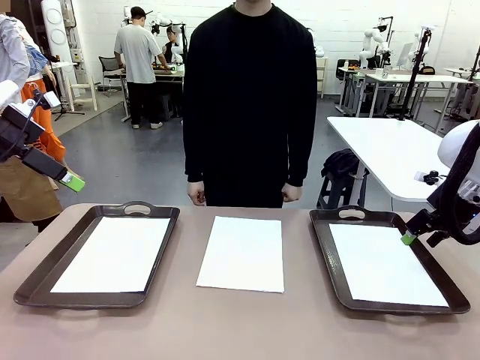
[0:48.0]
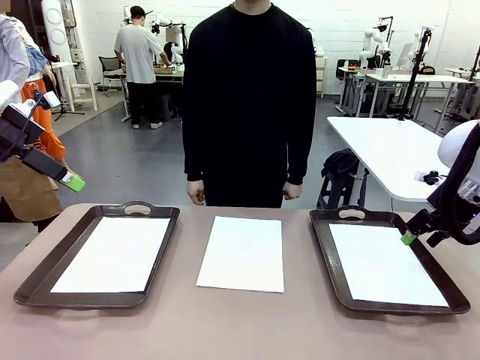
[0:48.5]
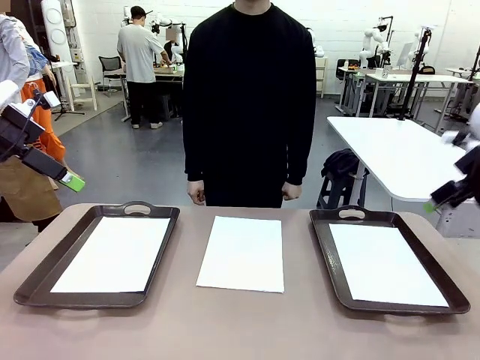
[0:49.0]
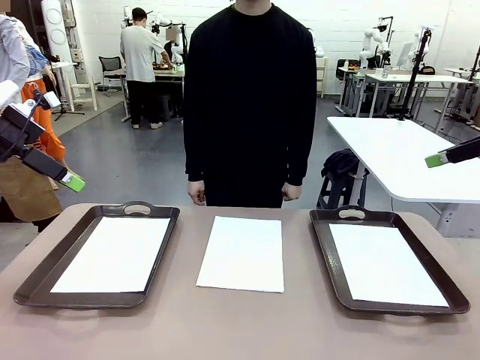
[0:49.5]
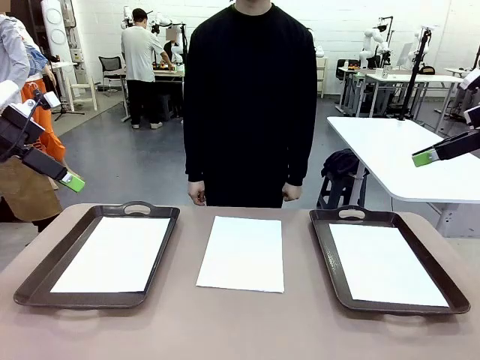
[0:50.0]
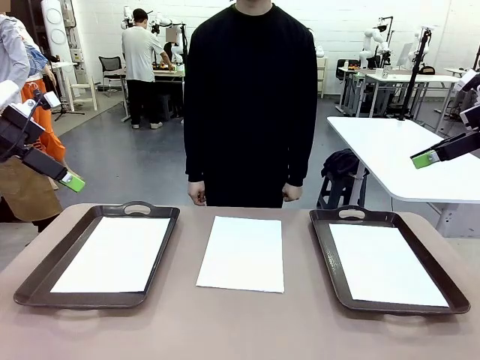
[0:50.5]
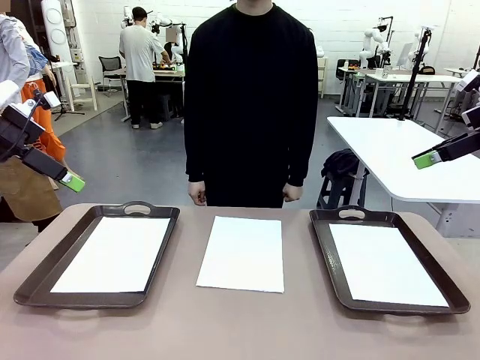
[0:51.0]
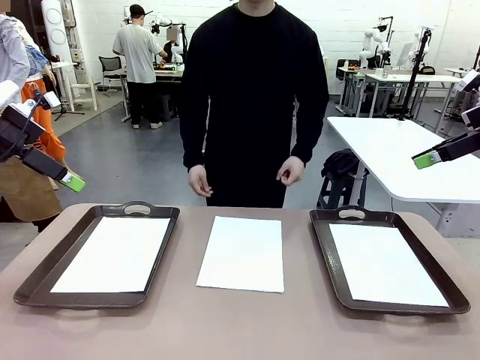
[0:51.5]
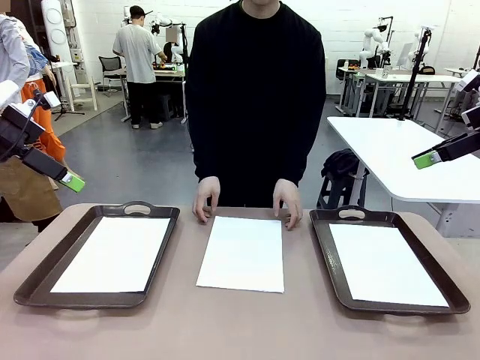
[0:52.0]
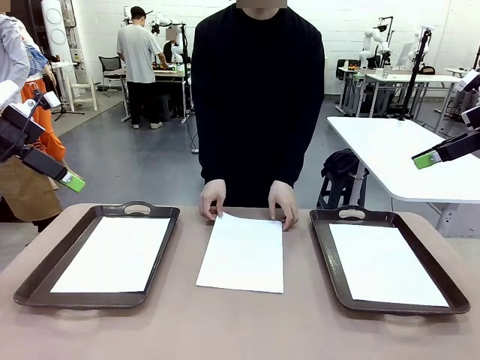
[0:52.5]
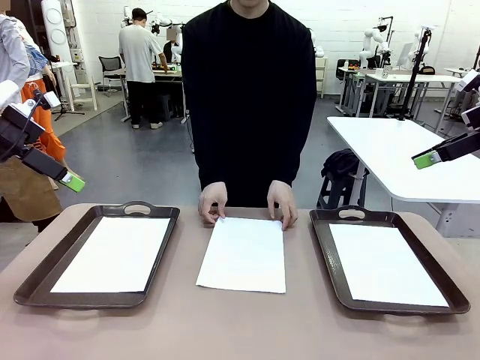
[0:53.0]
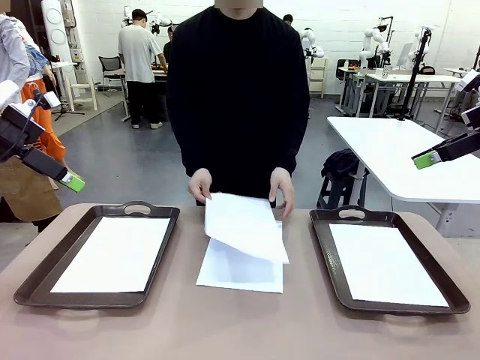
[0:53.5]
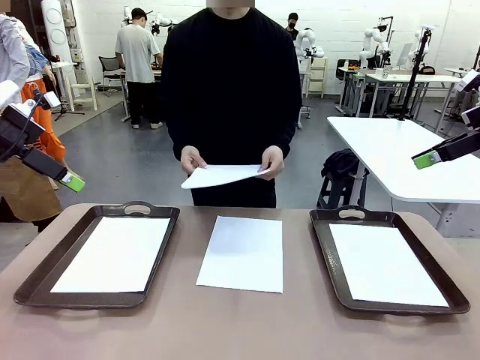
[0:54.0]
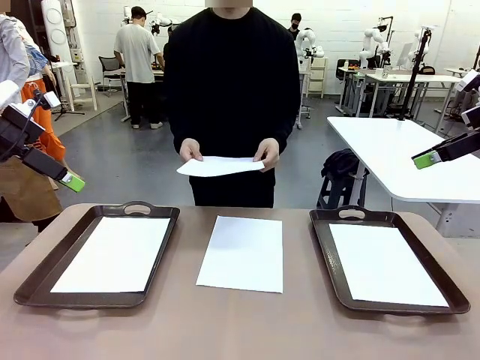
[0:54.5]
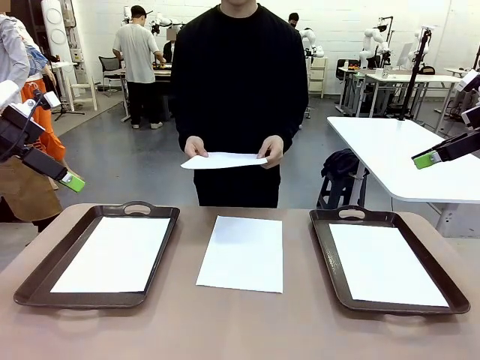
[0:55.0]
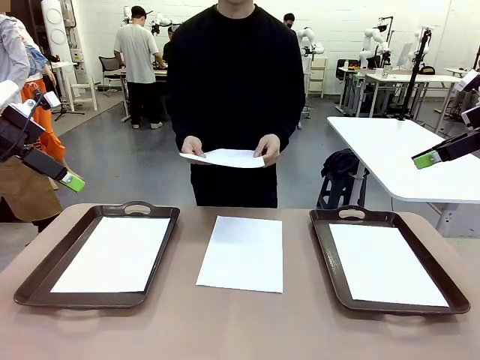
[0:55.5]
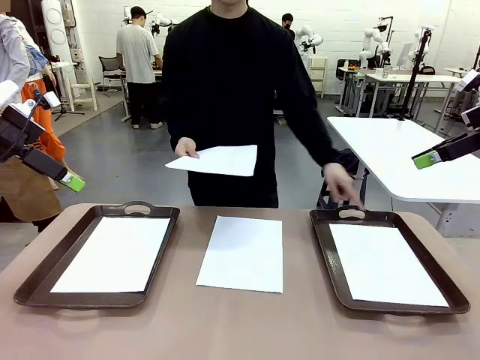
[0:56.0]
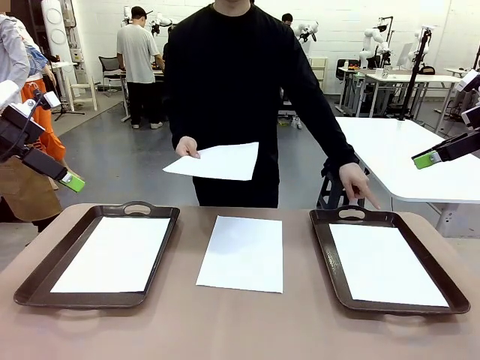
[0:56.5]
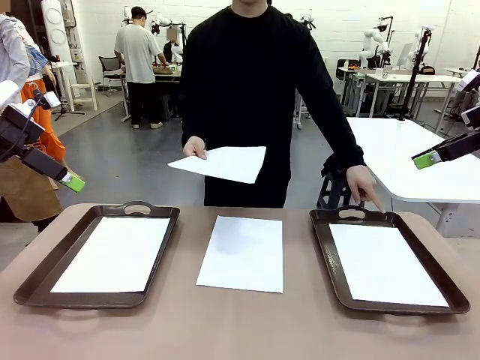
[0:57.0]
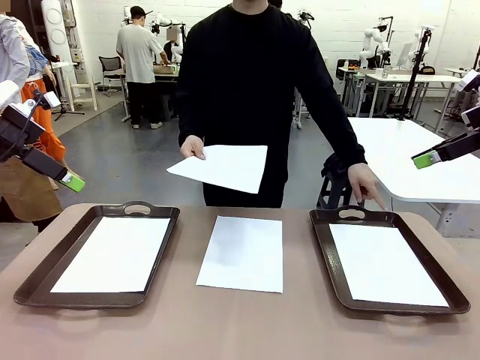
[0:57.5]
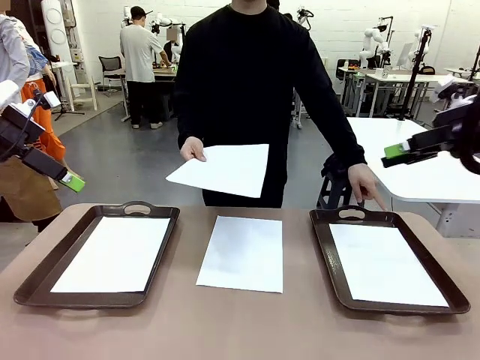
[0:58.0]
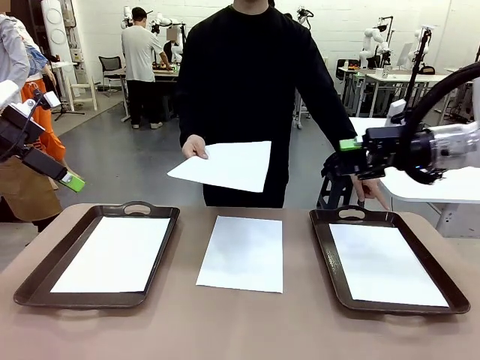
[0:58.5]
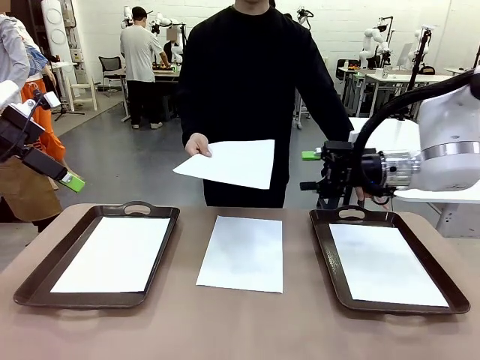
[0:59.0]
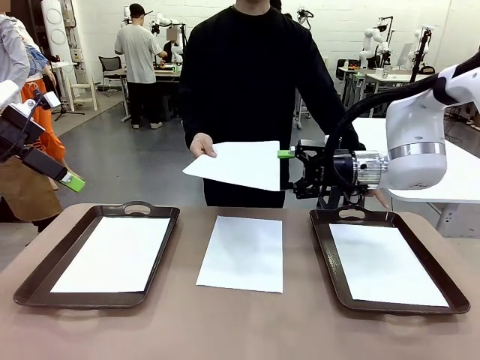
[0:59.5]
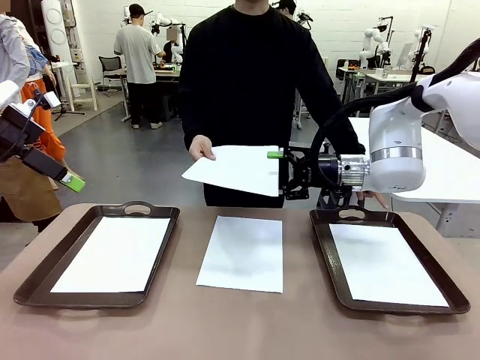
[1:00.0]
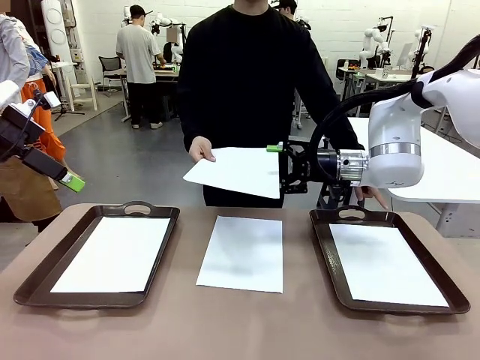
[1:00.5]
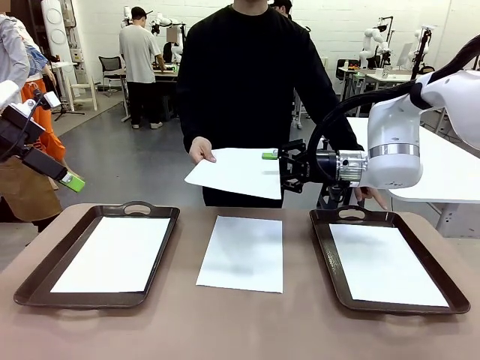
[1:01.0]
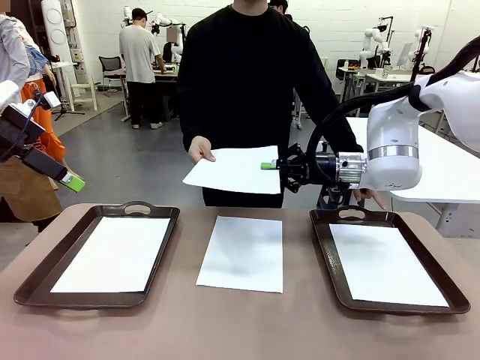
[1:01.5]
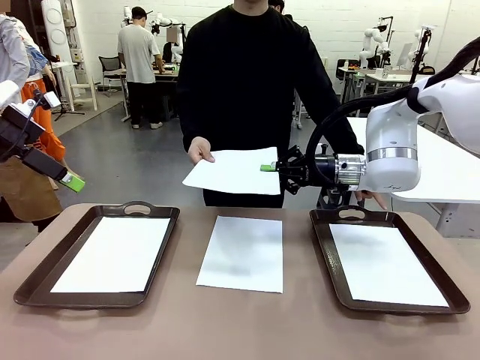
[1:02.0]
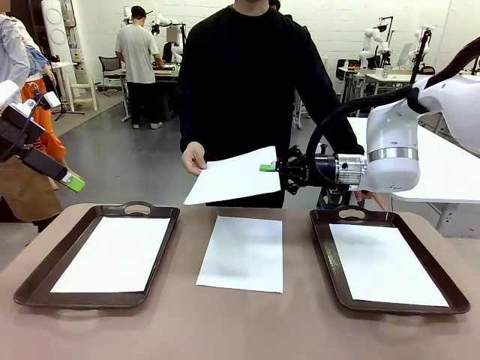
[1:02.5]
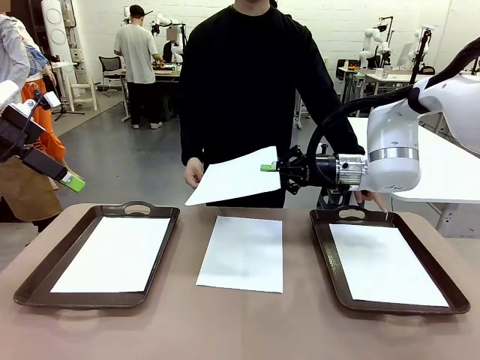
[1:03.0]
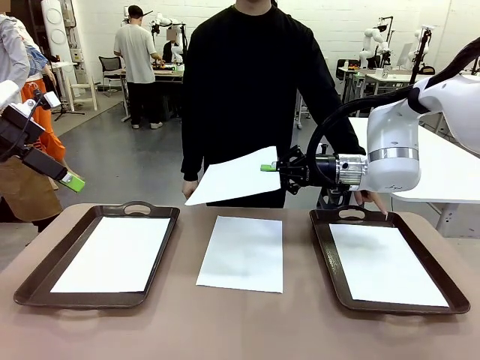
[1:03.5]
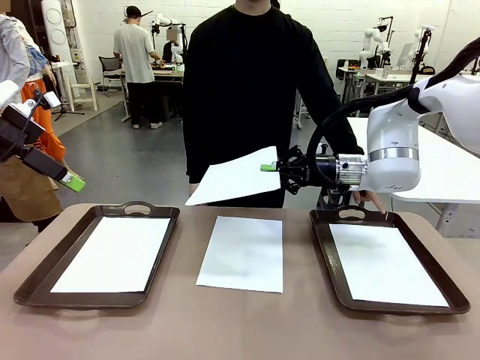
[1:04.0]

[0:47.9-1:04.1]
Task: Sort the A4 documents.
Robot: Receive the A4 Paper.
Person: Point the randomly selected tray with the other hand.

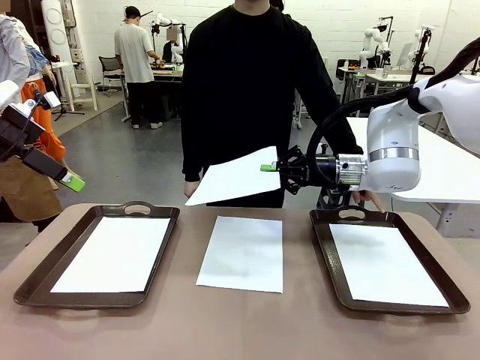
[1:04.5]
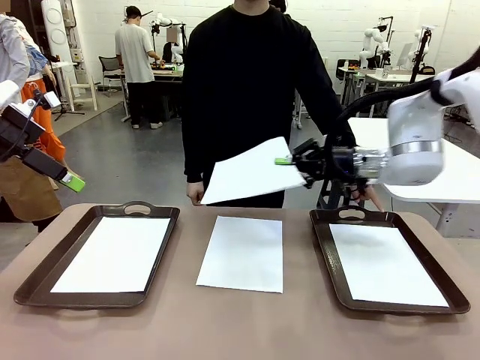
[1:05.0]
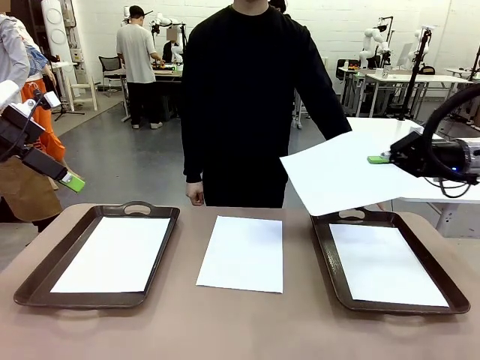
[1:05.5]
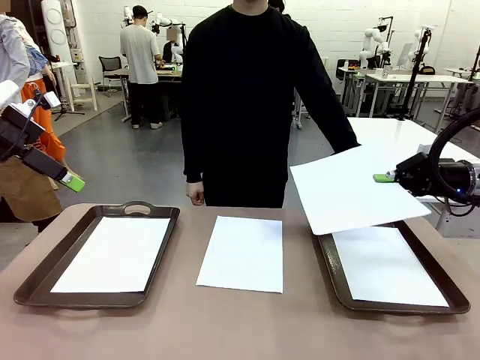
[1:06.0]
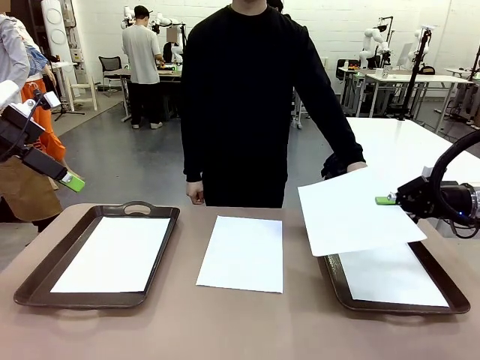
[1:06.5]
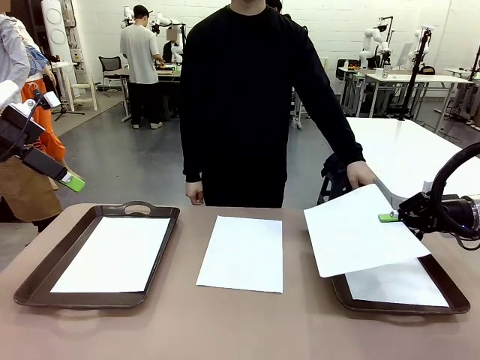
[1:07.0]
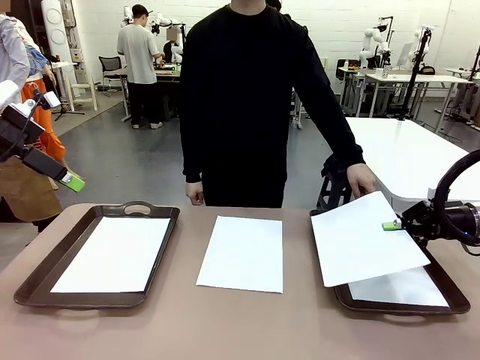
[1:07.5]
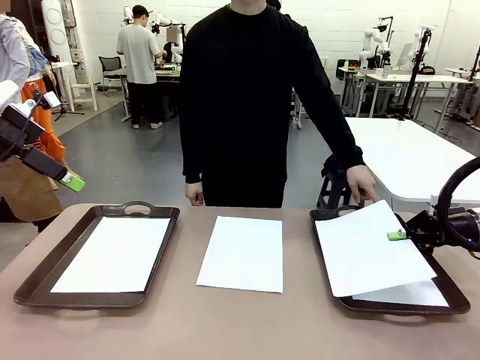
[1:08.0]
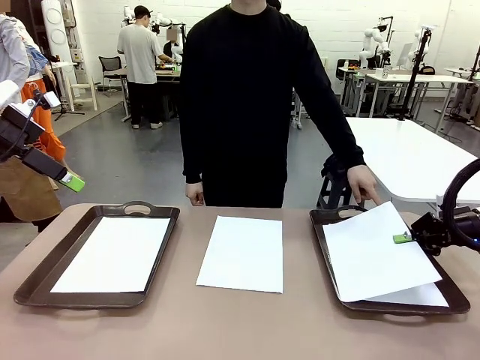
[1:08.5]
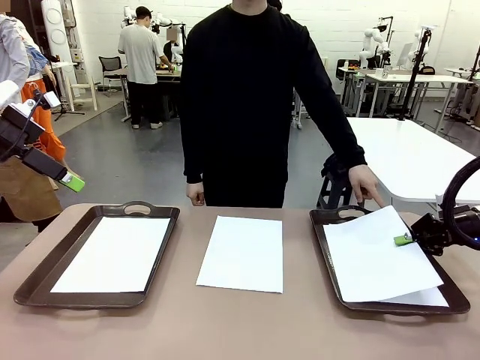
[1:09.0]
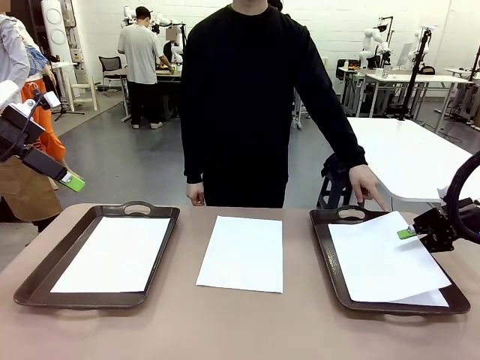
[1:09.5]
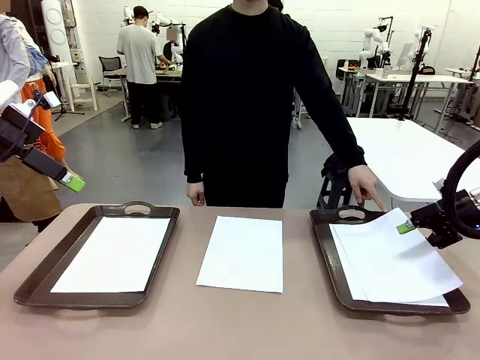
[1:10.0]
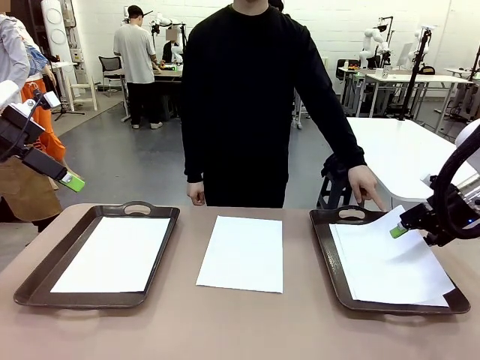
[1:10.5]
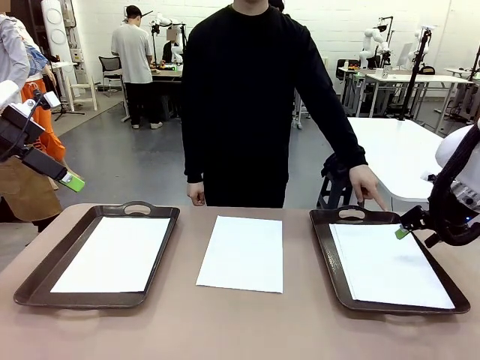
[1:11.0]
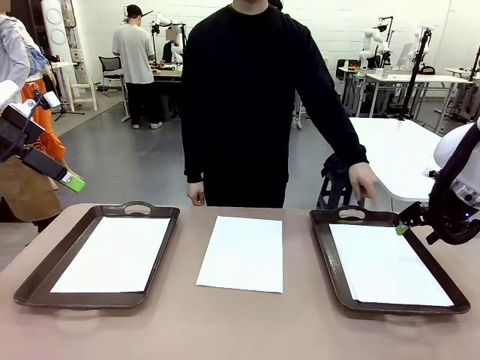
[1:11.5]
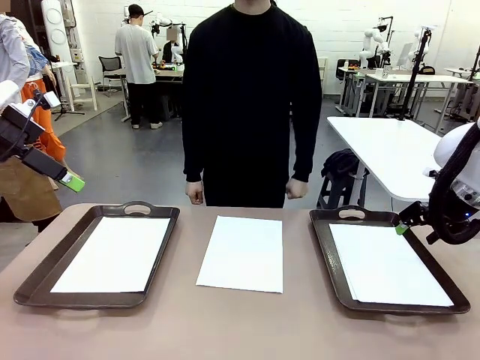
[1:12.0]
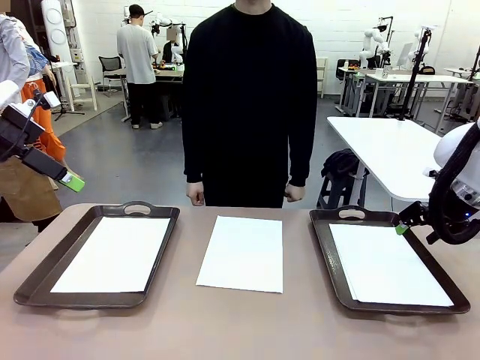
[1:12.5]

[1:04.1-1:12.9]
Robot: Place the A4 Paper in the designated Handle tray.

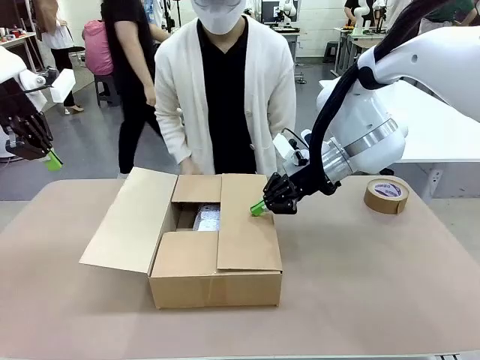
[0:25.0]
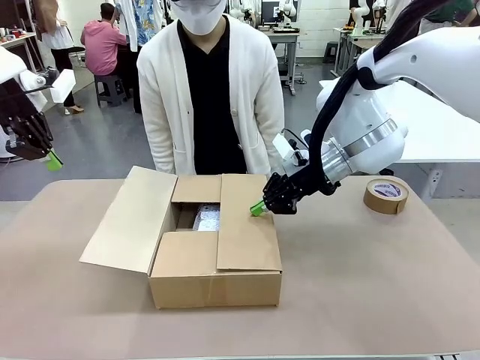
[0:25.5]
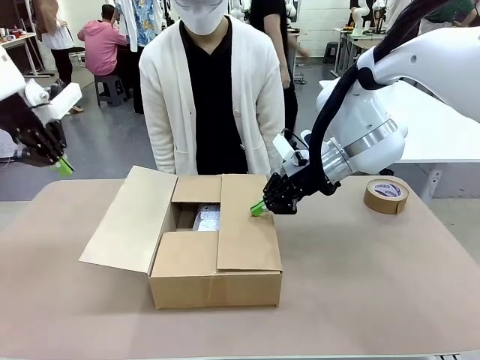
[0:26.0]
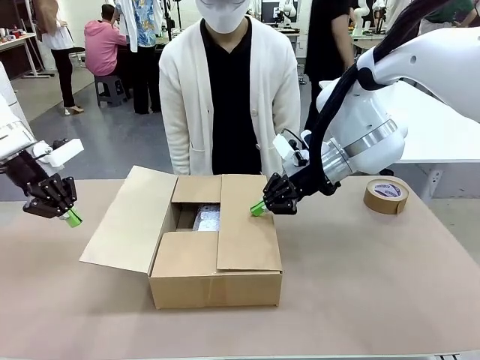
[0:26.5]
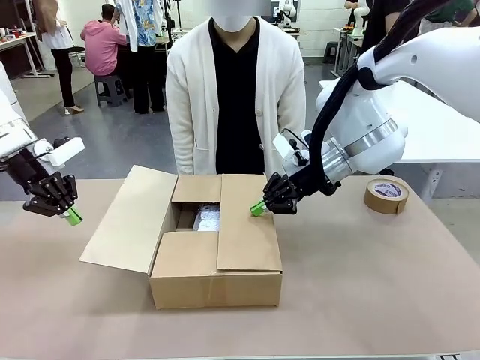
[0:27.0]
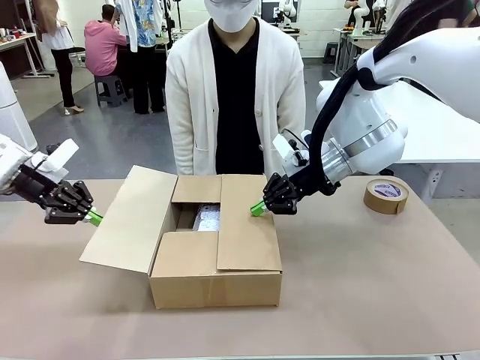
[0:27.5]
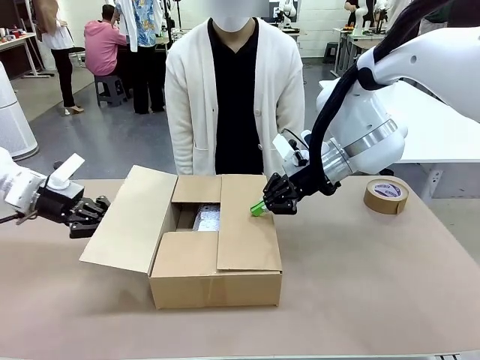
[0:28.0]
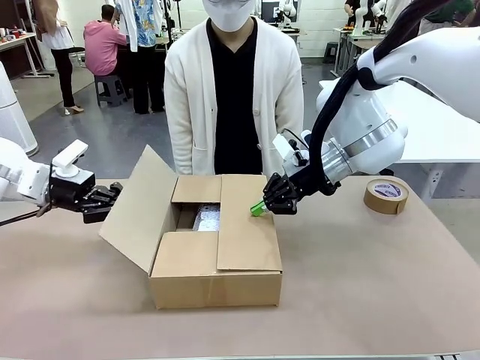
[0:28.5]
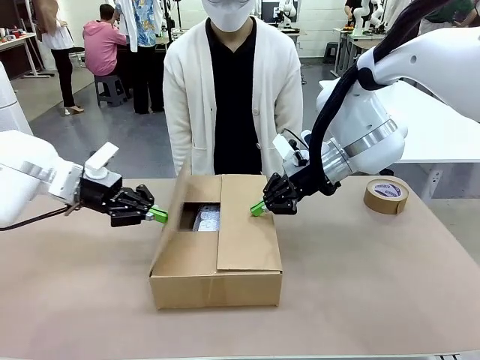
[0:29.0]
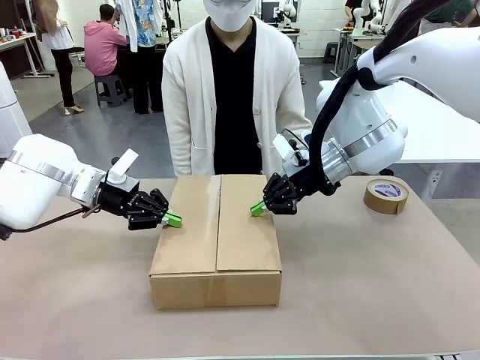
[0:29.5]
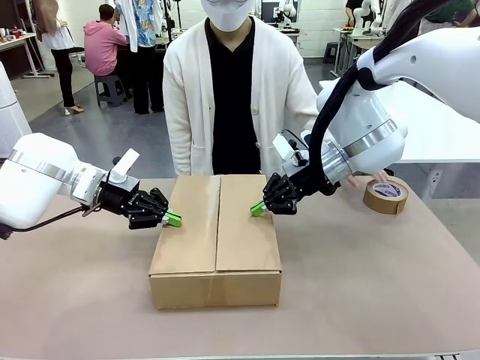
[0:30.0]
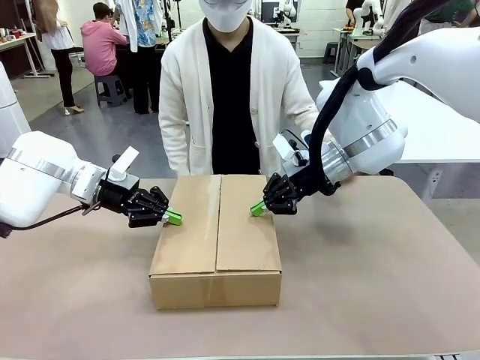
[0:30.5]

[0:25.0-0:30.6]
Task: Wrap the clocks to prevent damage.
Robot: Push the left (or right) flap of the Package Box to close it.
